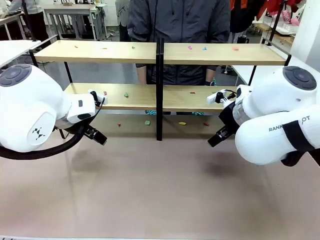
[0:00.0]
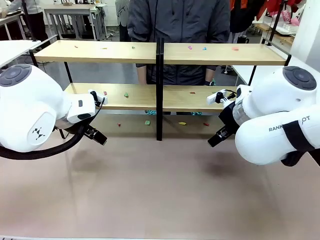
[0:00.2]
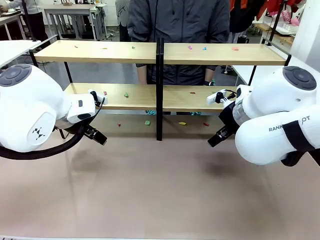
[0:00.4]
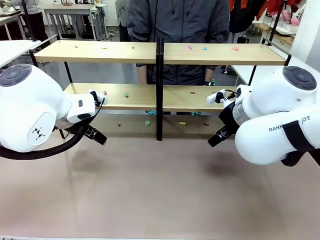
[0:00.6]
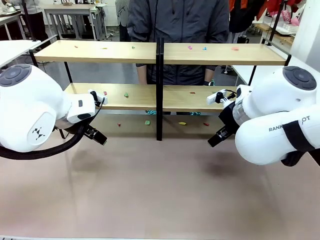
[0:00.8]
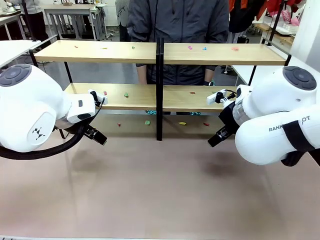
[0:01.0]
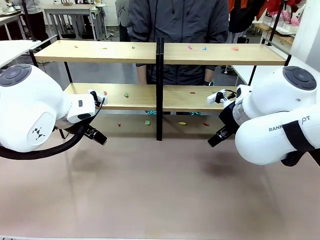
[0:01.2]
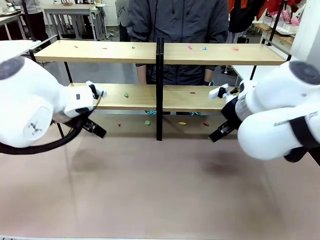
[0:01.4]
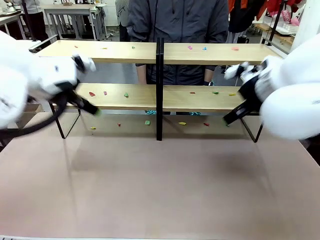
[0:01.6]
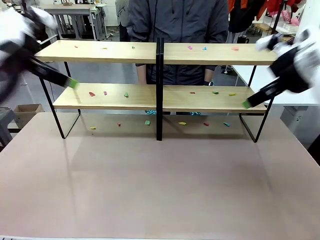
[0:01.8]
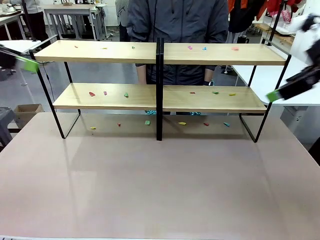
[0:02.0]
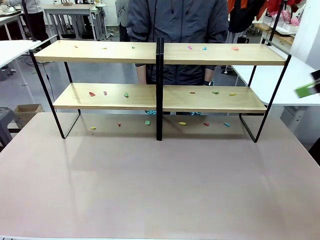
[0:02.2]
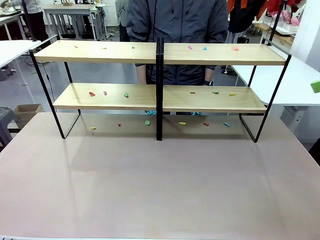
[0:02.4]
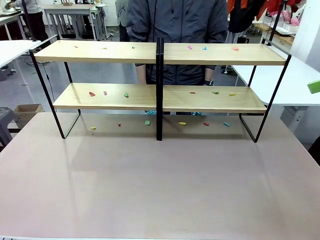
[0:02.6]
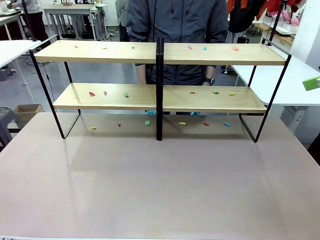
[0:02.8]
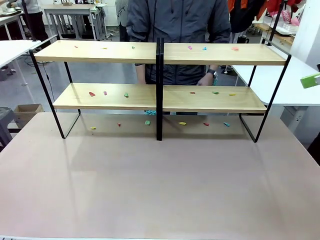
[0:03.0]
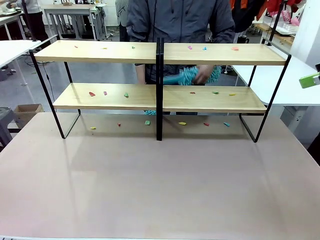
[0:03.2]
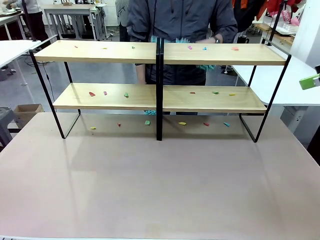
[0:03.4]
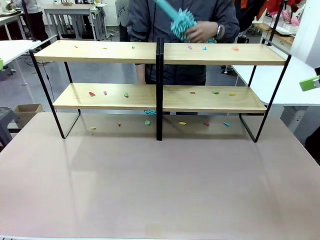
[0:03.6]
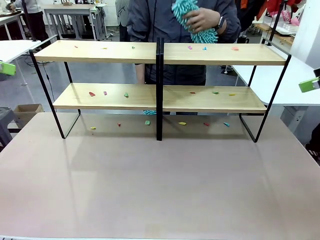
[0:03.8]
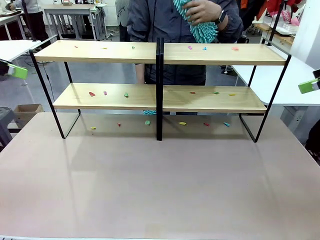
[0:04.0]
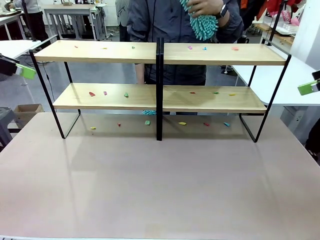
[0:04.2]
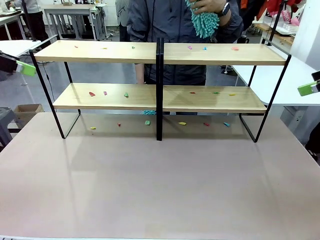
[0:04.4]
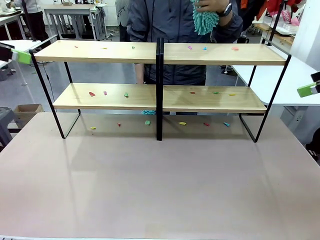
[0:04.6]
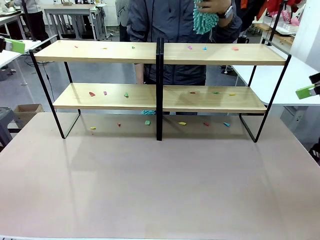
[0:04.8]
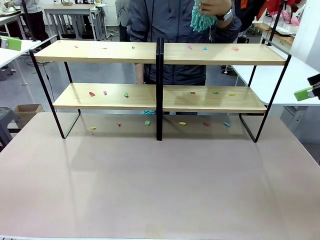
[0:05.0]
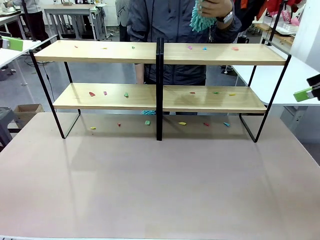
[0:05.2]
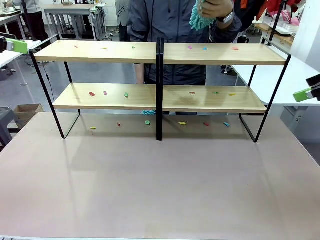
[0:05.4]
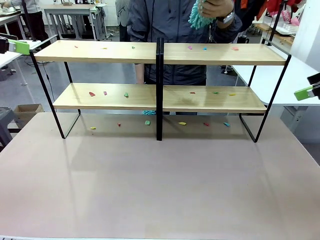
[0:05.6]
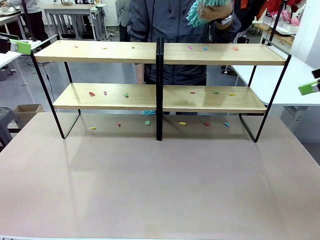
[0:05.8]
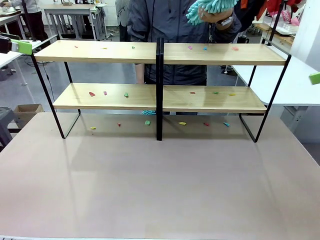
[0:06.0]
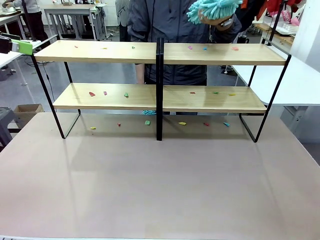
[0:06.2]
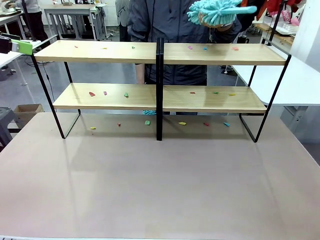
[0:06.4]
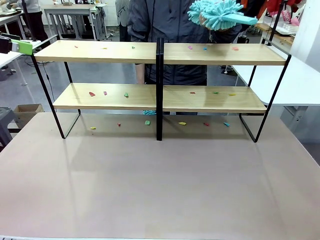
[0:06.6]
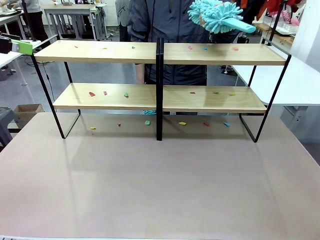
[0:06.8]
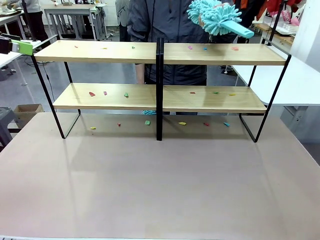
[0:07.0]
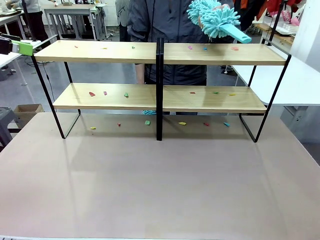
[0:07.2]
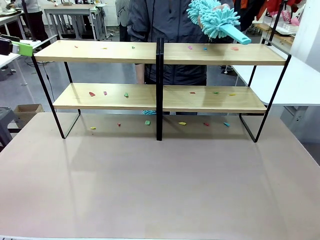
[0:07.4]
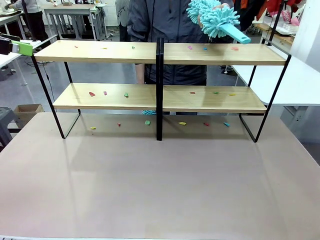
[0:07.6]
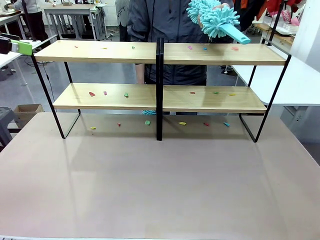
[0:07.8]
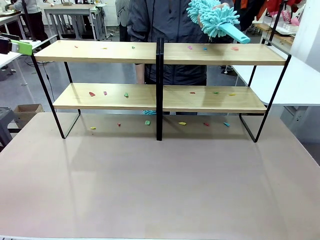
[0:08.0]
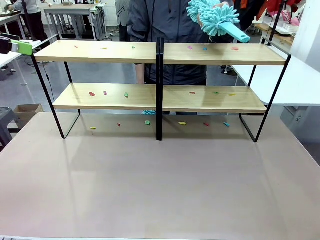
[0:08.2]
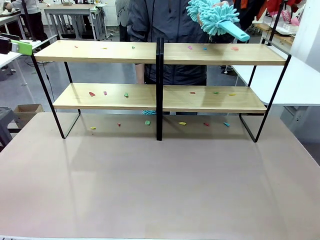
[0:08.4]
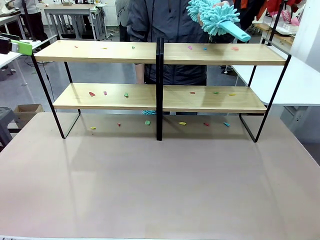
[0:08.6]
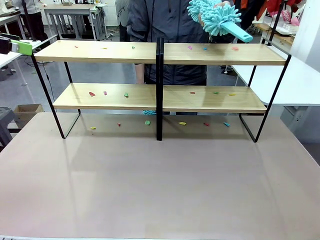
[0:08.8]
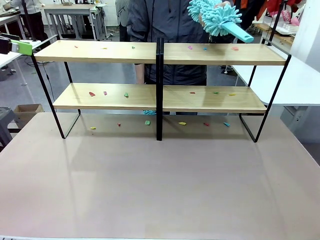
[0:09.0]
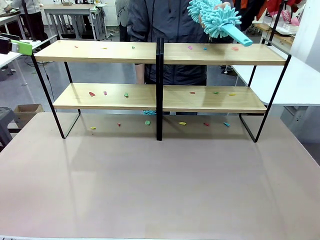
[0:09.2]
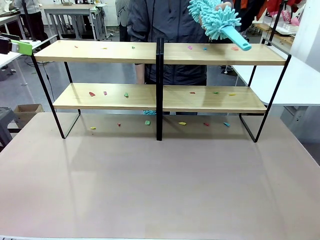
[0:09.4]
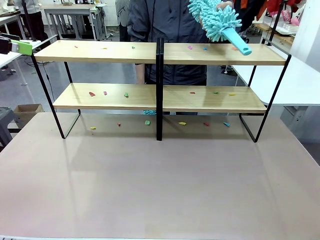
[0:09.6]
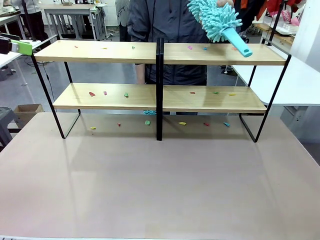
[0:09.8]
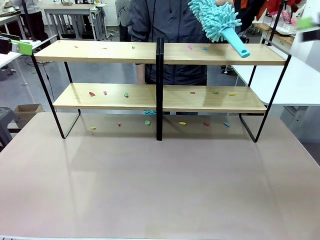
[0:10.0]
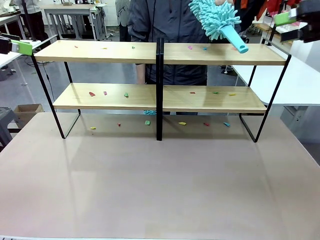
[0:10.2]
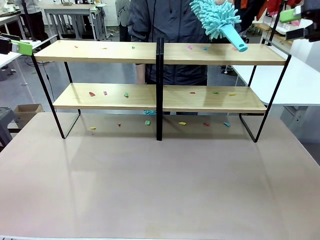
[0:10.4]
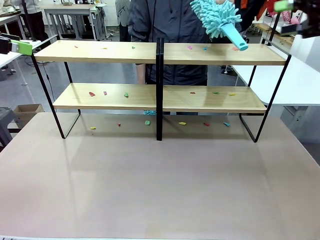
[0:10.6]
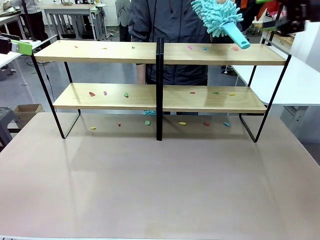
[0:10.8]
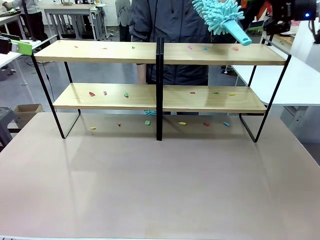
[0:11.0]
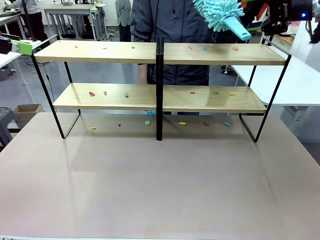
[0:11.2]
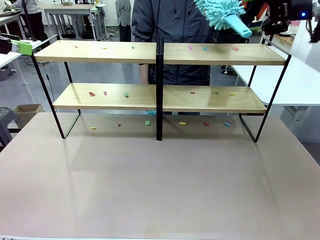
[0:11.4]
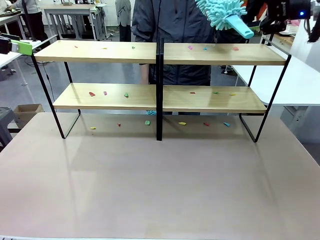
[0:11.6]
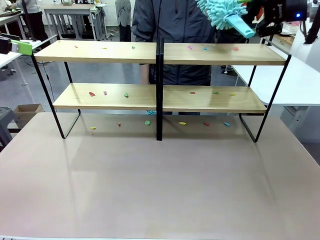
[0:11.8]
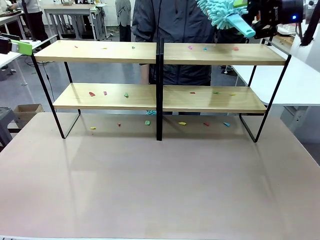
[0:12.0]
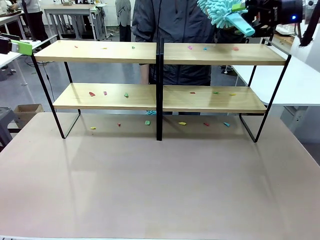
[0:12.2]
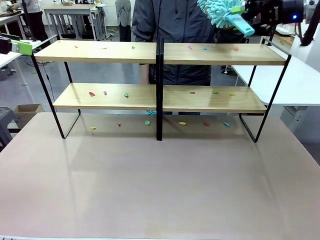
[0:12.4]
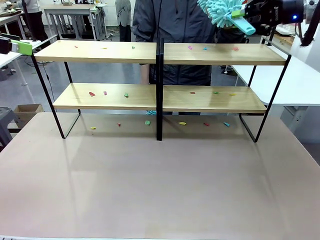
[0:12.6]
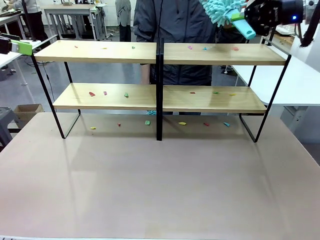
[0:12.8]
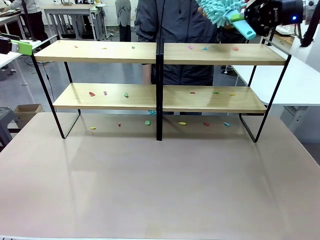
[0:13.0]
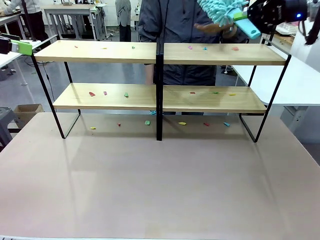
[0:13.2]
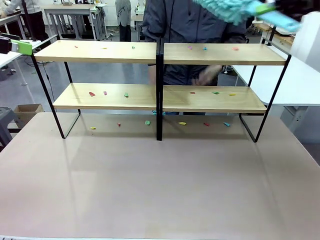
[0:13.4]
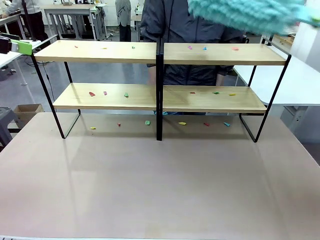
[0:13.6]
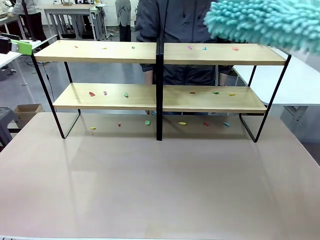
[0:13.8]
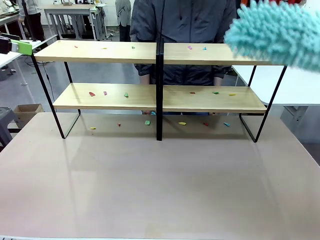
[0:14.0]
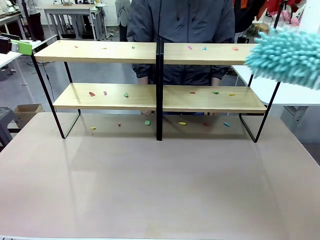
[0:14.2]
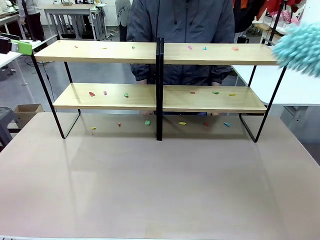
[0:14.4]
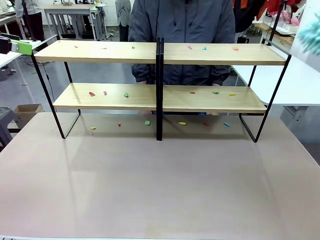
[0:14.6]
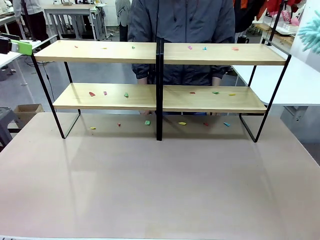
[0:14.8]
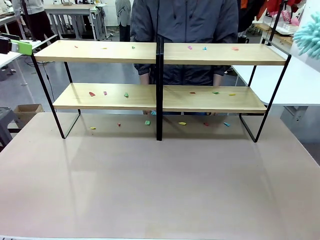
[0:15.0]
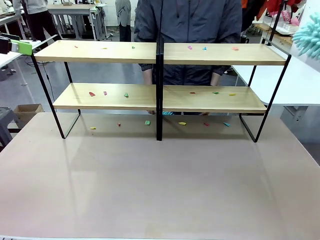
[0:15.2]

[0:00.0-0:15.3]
Task: Clean the shelves.
Robot: Pick up the Duster when the human hands it over.
Person: Hand the Duster to the robot with your right (or left) hand.

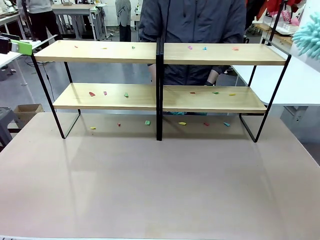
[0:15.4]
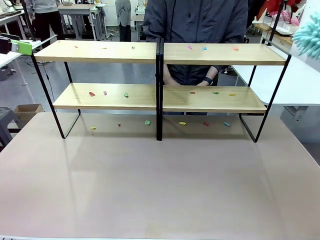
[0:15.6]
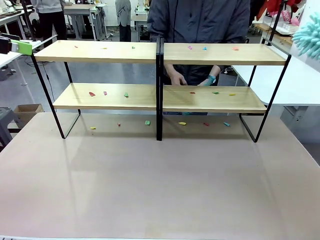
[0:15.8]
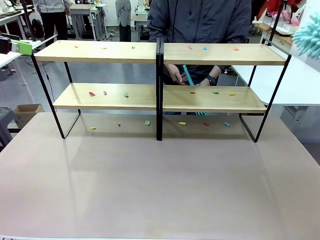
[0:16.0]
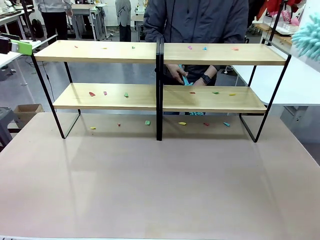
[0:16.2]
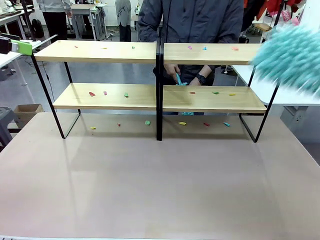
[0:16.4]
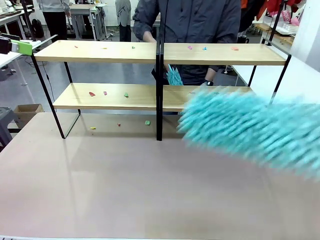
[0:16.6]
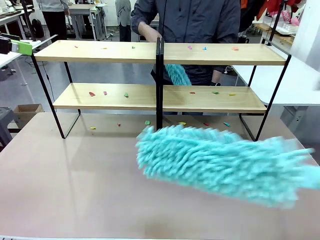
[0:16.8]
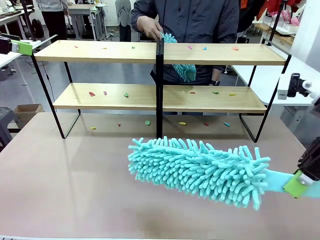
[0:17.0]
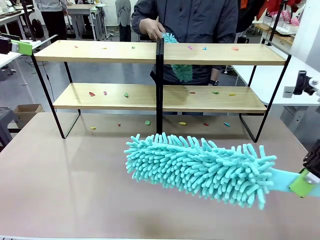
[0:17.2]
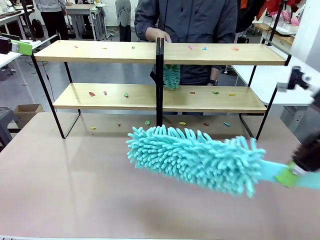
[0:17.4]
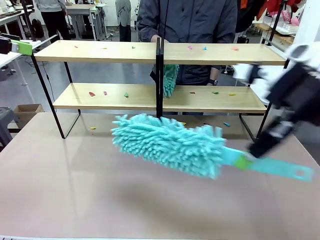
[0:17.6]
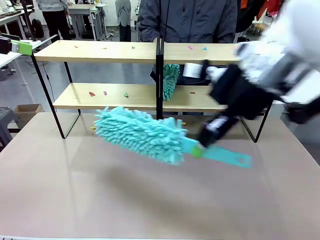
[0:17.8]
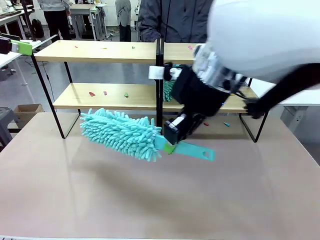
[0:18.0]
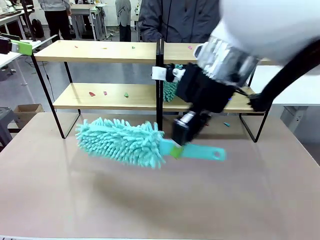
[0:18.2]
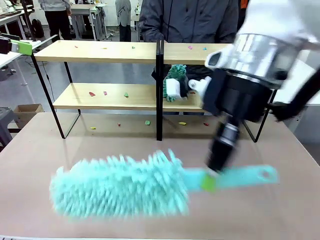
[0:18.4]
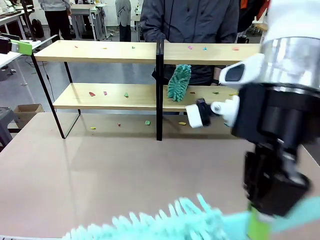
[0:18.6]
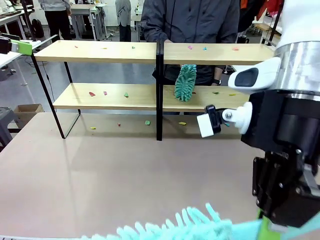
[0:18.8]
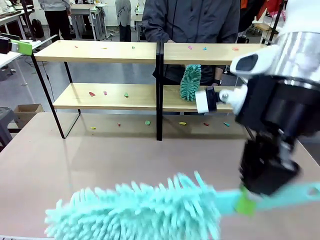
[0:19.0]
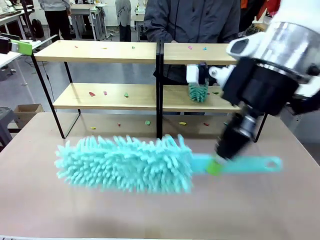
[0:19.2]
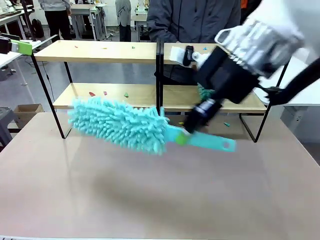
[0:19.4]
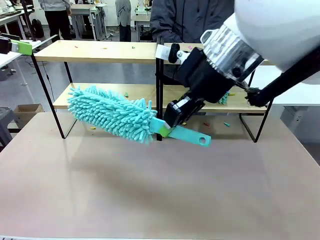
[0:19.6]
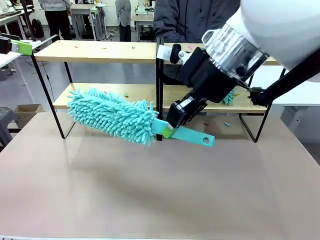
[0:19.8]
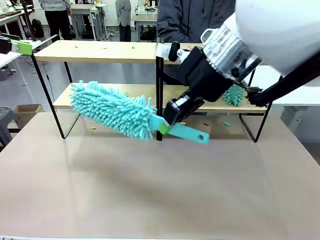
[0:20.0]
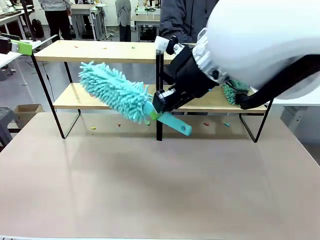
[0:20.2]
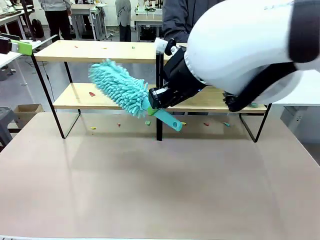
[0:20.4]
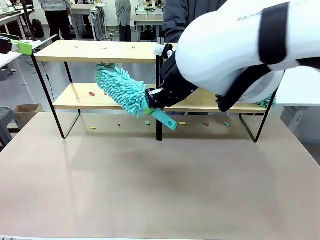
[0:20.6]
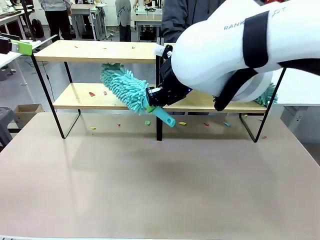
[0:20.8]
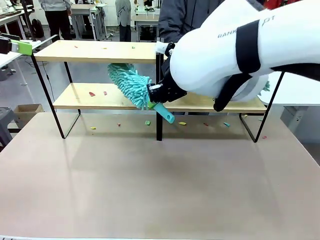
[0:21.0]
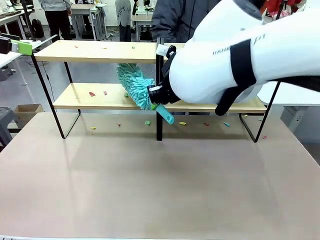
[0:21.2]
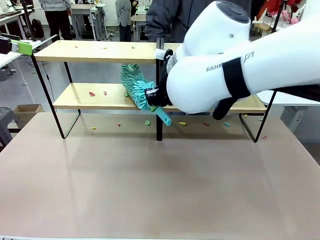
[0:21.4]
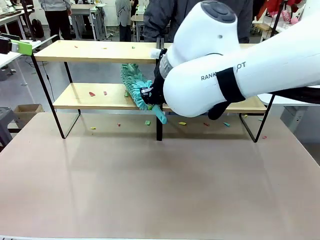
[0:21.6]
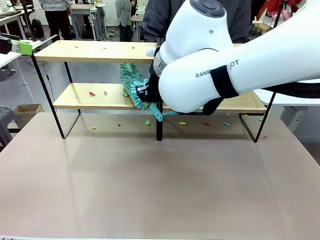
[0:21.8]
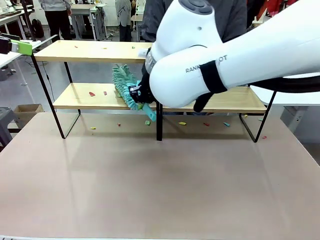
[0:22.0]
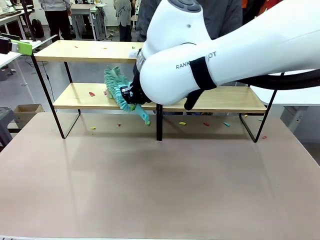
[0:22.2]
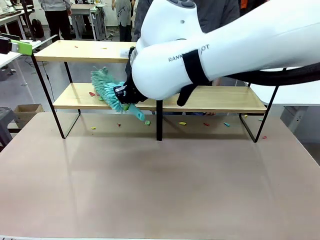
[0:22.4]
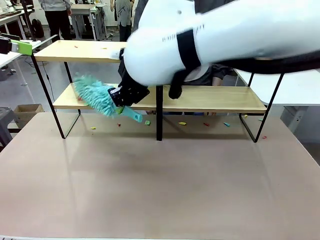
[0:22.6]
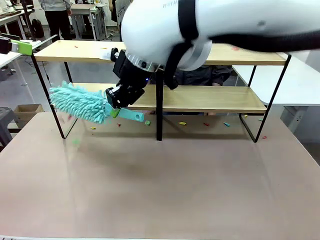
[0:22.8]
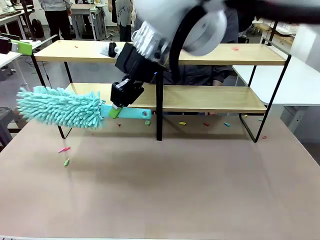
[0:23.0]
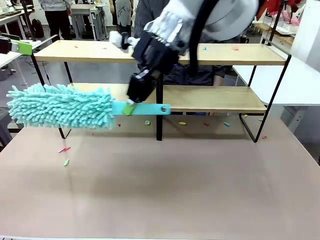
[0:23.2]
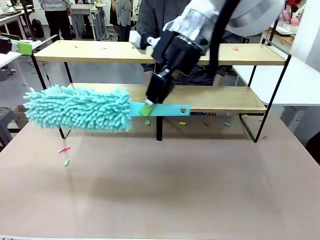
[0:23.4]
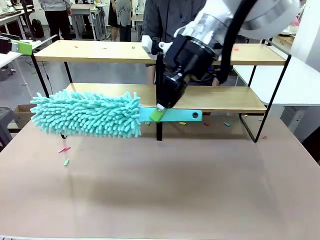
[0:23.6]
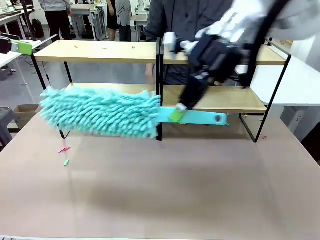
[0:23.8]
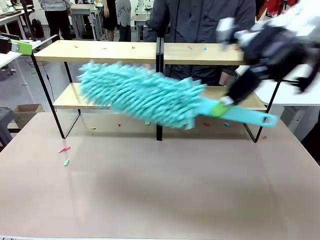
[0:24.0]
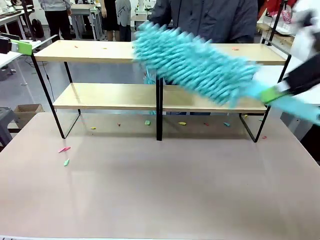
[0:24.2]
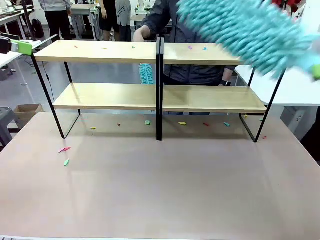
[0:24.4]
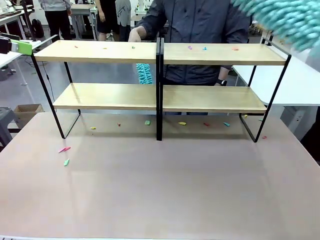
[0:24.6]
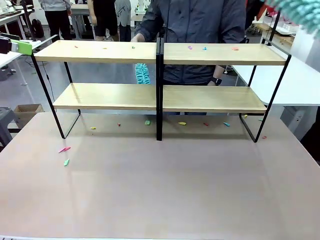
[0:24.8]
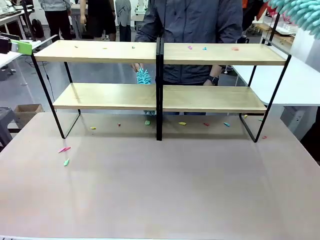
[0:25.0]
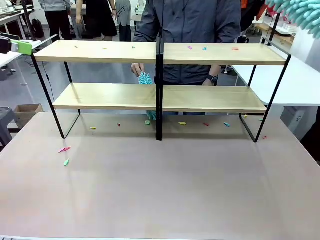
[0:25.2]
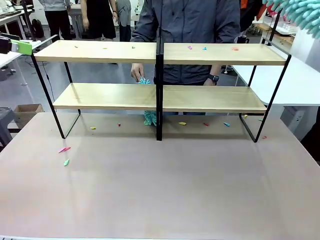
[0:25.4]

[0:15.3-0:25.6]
Robot: Clean a randomly selected level of the Shelf with the Duster.
